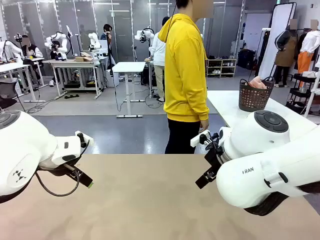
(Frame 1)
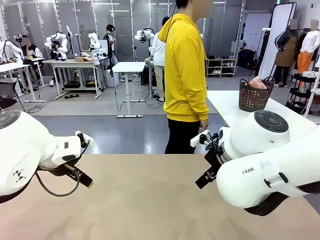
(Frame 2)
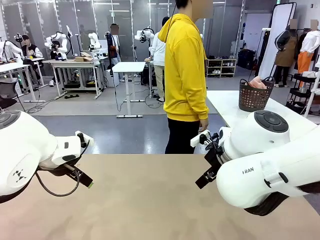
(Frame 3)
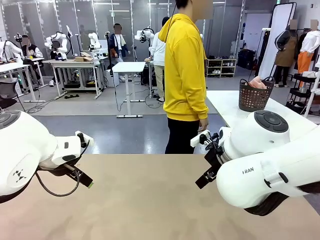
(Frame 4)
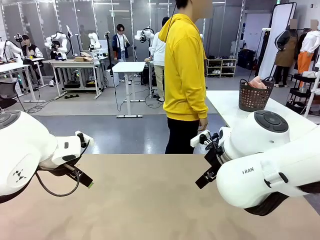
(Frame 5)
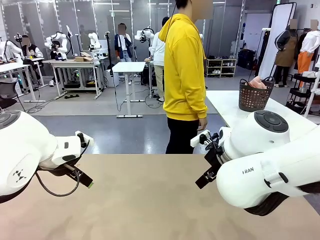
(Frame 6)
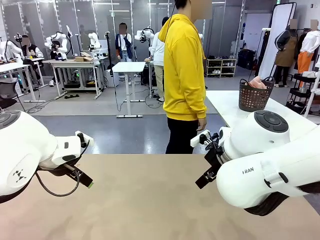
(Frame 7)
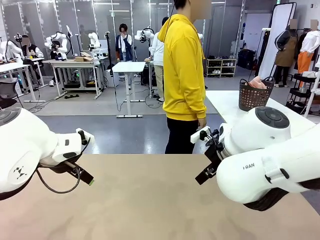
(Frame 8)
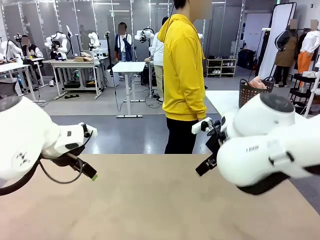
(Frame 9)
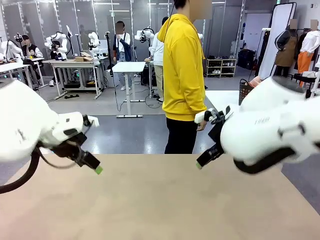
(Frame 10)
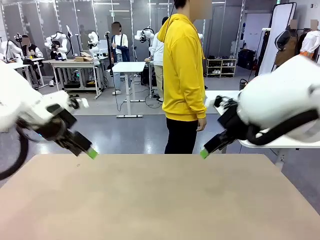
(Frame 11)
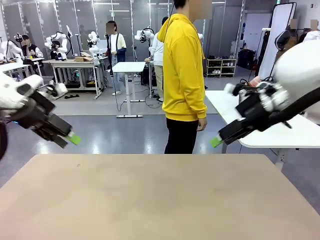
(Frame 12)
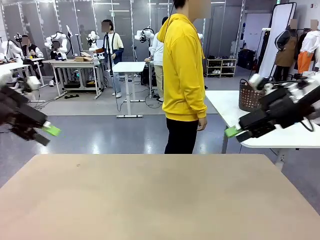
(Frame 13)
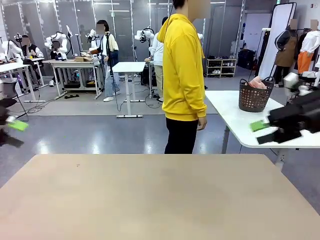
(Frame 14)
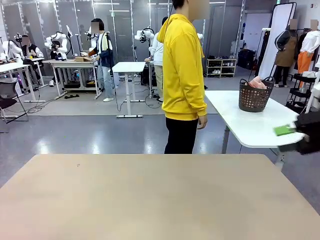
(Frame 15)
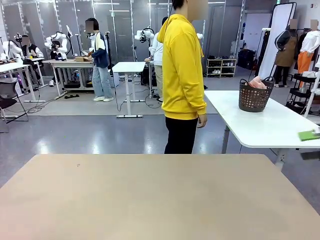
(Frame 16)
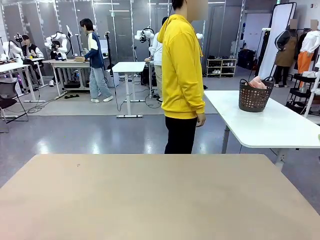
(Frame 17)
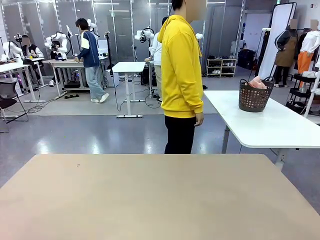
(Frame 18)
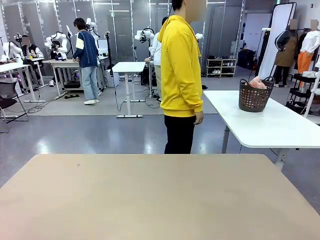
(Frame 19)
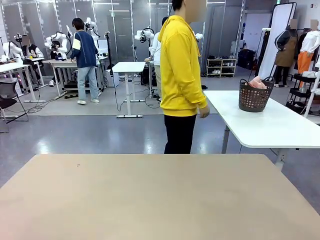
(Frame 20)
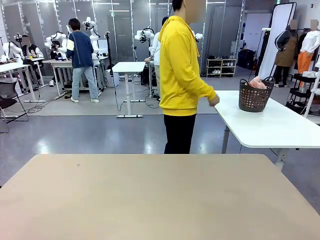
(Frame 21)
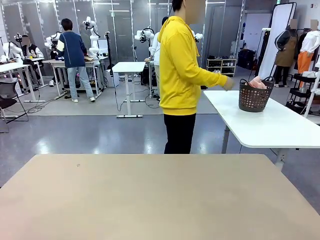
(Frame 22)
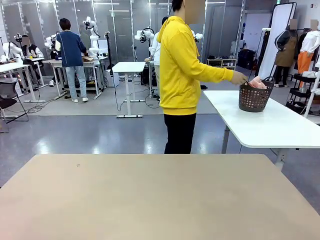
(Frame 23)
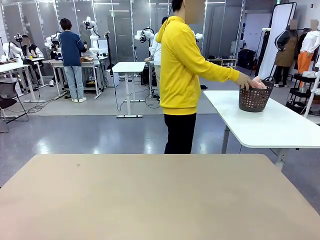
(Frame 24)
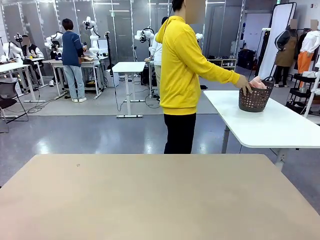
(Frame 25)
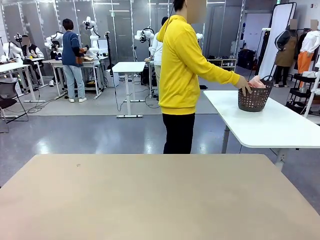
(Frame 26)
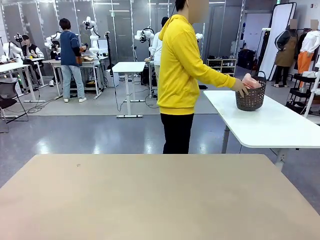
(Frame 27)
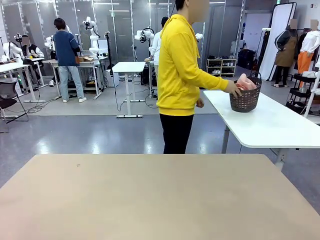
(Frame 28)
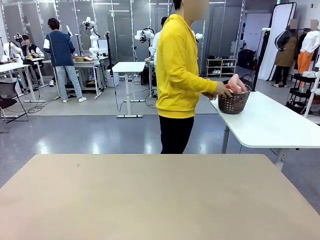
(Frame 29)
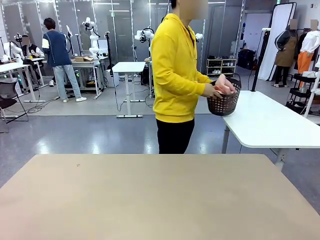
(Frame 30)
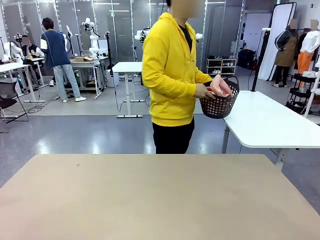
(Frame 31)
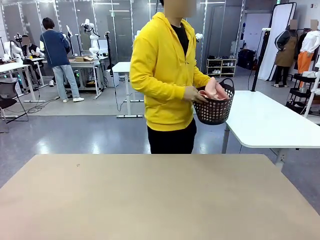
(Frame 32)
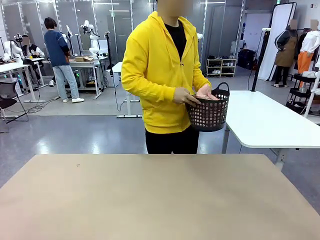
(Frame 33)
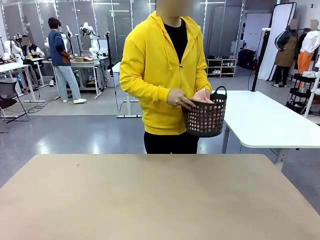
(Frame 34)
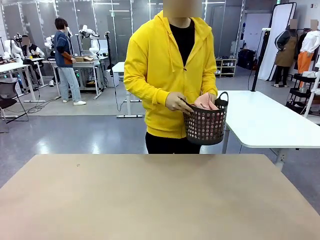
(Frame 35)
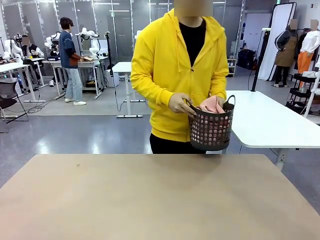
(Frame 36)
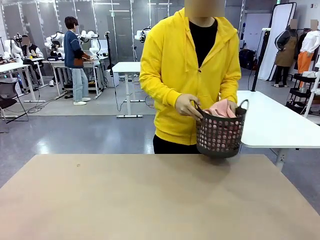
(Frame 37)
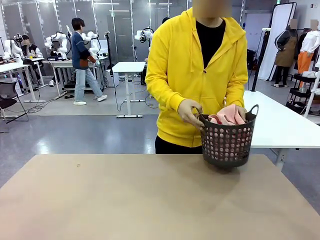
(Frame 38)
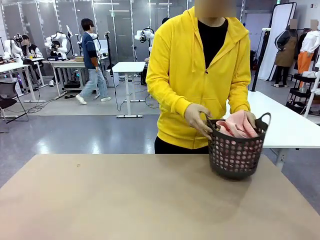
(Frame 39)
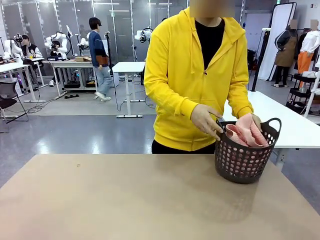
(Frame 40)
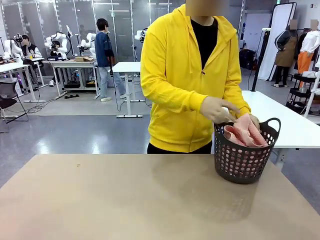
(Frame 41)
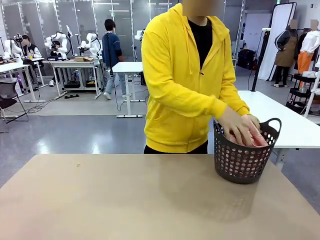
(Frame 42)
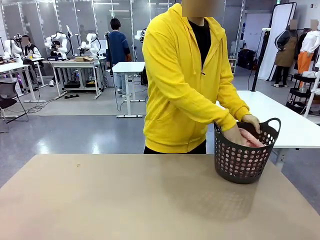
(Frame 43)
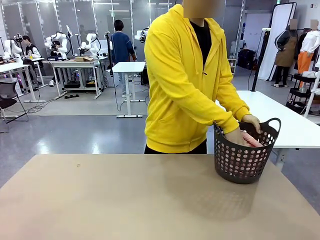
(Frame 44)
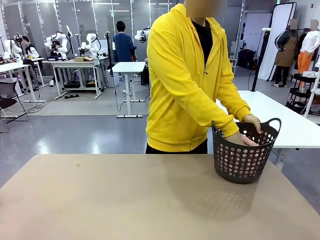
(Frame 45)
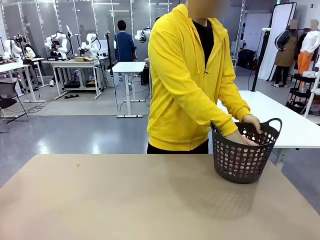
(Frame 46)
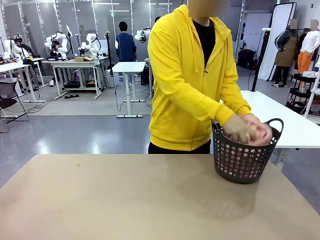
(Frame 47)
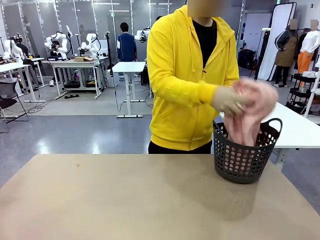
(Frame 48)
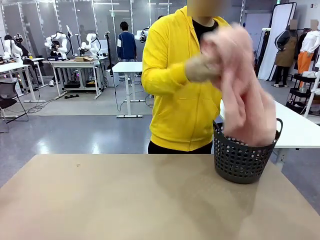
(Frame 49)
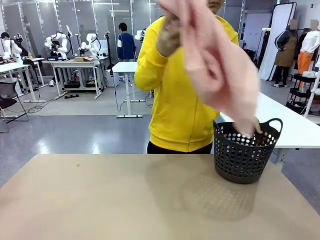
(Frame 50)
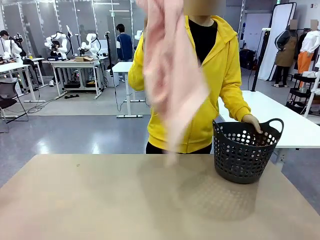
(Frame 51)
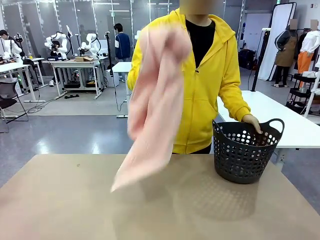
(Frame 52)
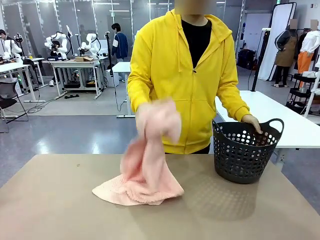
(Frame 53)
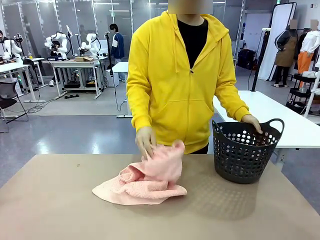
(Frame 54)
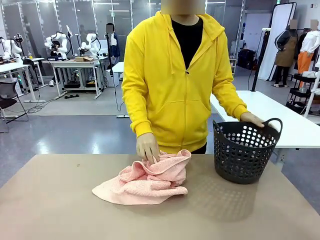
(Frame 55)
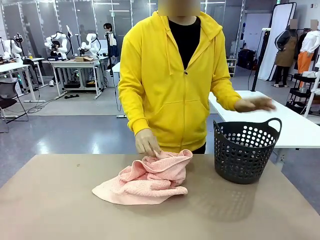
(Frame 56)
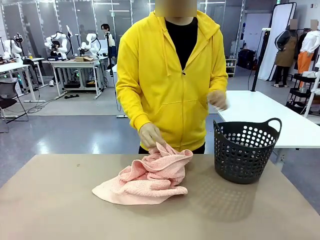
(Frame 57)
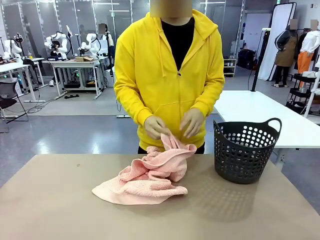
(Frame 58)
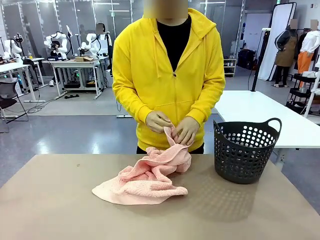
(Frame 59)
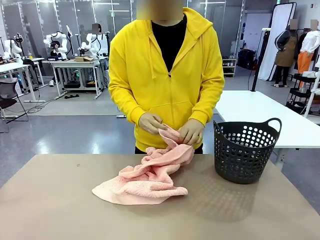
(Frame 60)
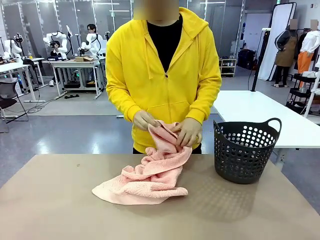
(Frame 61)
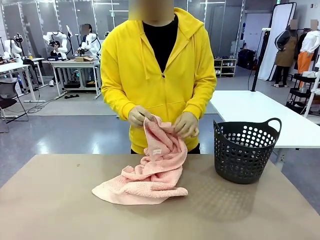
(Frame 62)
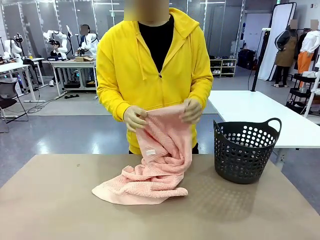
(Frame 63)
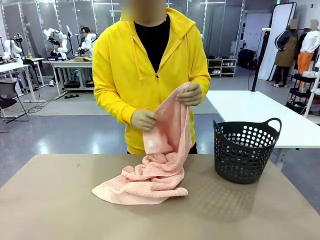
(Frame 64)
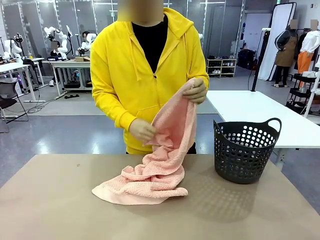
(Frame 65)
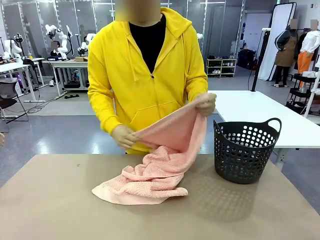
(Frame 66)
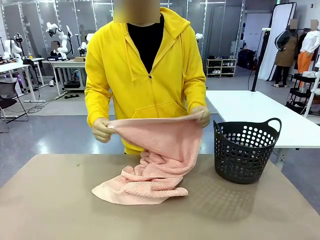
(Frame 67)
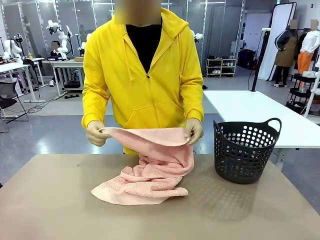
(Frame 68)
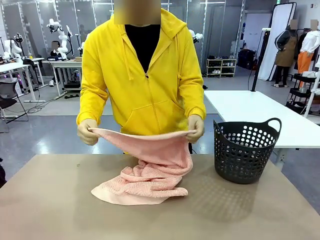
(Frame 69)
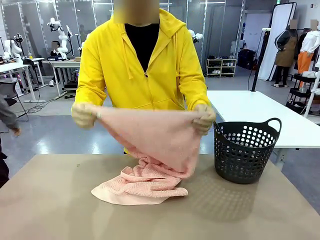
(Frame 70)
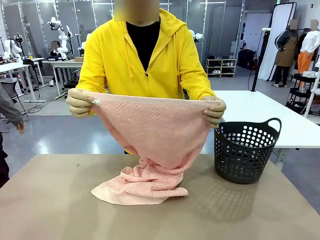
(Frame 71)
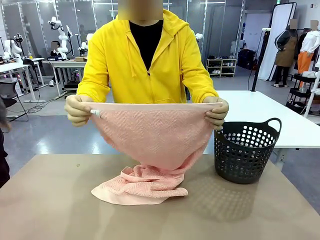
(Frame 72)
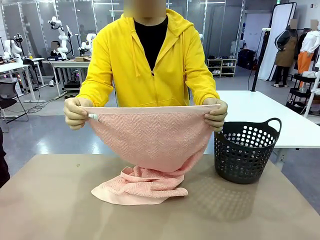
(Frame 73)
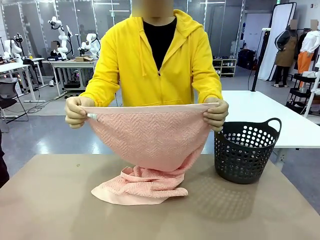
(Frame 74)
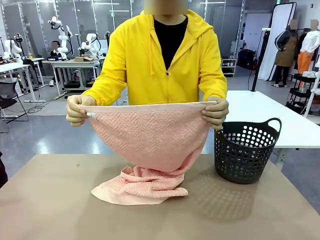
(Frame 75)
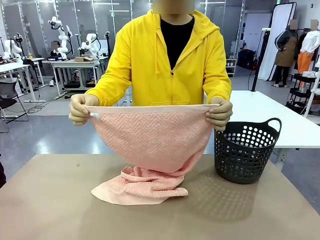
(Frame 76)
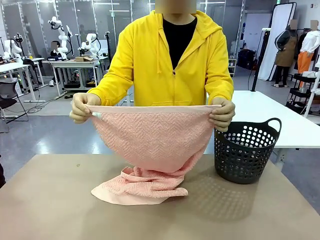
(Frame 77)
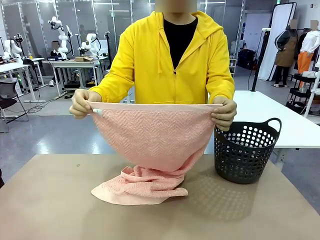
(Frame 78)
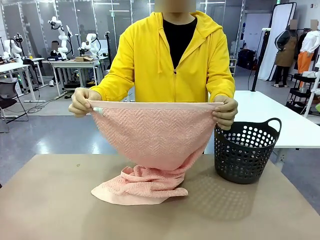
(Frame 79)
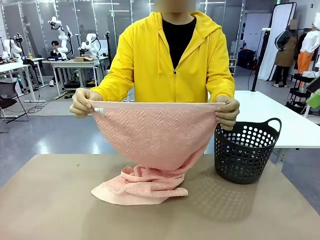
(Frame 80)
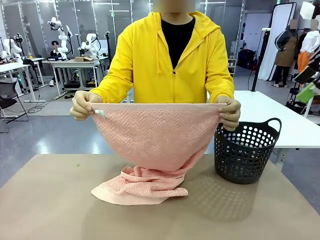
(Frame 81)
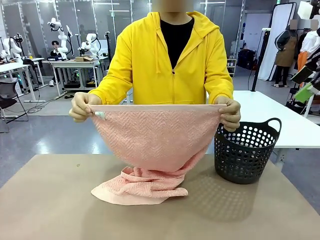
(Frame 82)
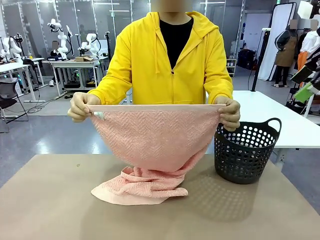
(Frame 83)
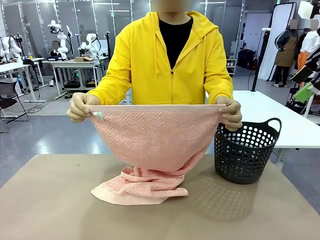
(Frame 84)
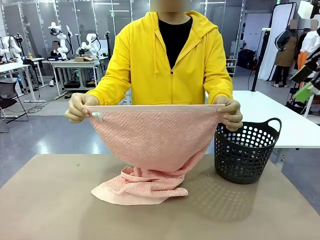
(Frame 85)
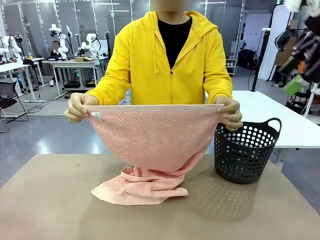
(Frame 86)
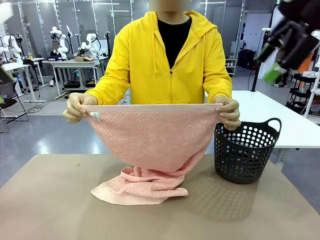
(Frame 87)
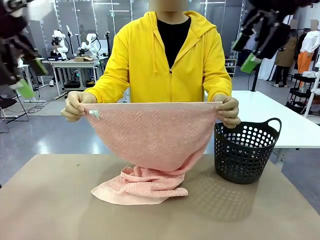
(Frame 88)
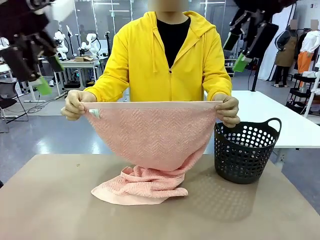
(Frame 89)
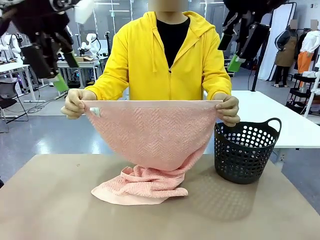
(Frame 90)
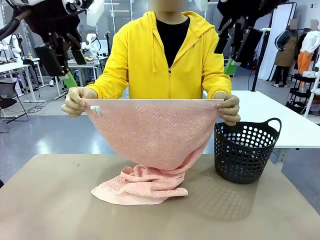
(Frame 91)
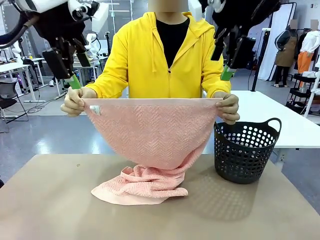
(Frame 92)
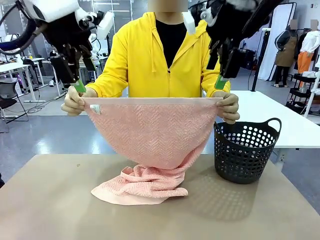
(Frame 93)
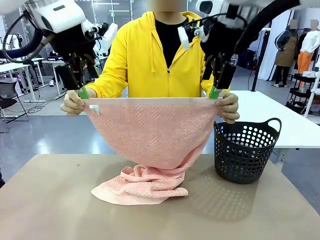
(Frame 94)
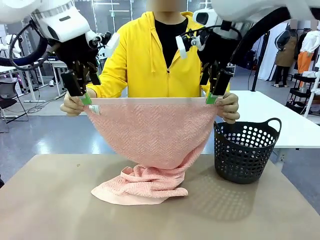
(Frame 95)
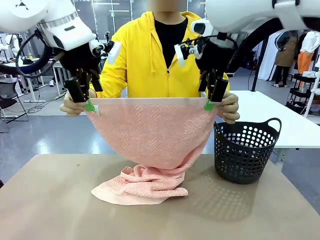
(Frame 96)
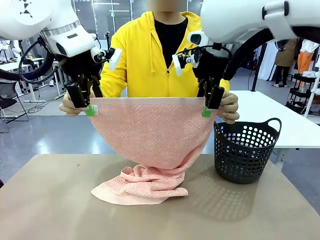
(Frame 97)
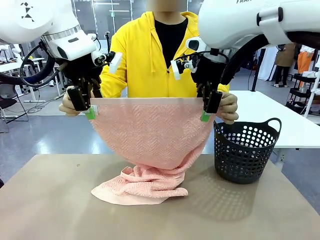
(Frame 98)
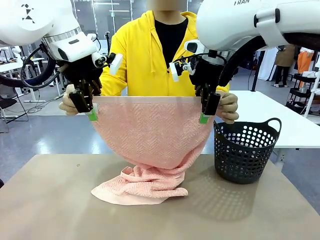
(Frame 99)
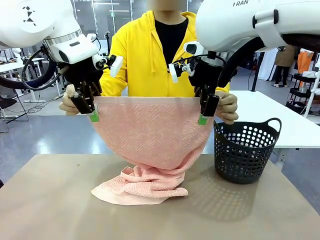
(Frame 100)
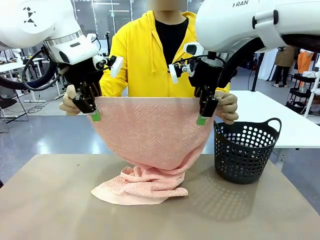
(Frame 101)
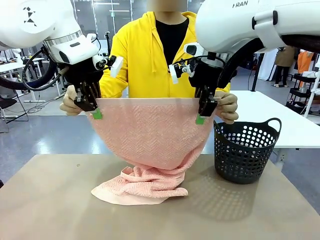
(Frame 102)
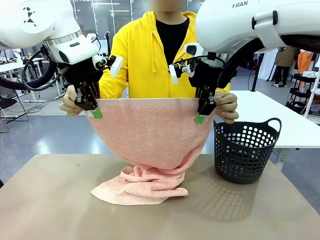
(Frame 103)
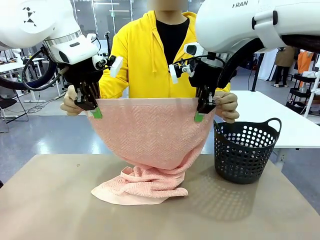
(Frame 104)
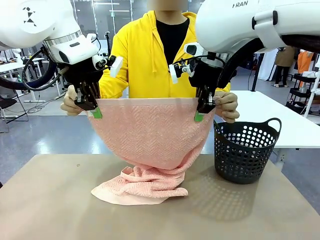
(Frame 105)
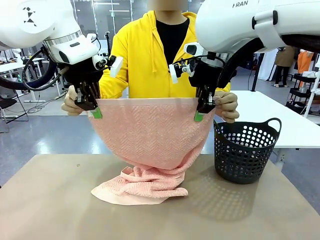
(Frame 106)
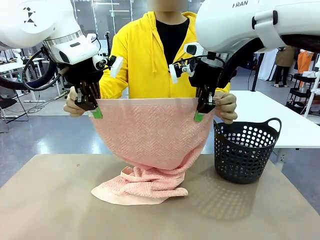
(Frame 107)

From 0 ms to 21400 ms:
Task: Fold the towel.
Robot: Grab the top end of the 100 cm Hotel Towel extended by the human.
Person: Pick up the laundry basket, place it on the left side of the robot table, then take out a towel and hand it to the robot while holding both corners of one end.
